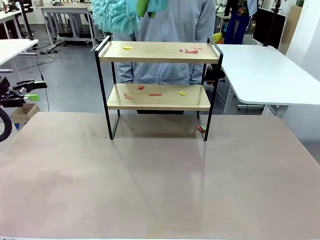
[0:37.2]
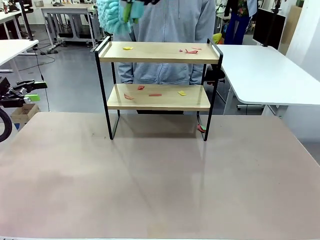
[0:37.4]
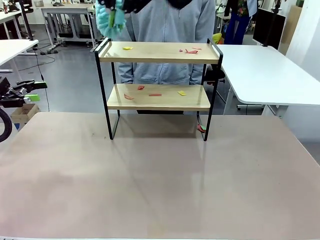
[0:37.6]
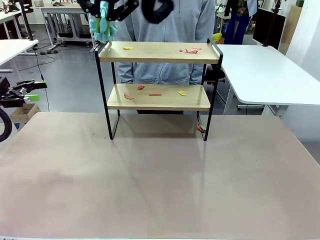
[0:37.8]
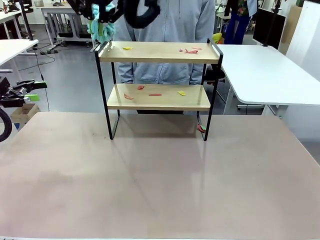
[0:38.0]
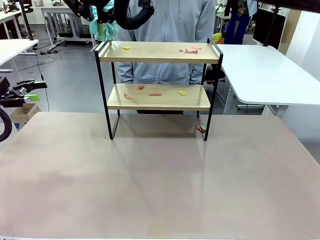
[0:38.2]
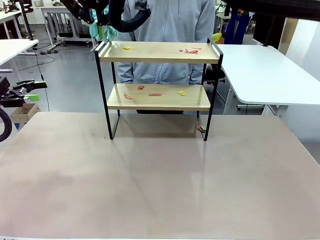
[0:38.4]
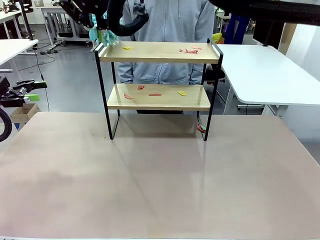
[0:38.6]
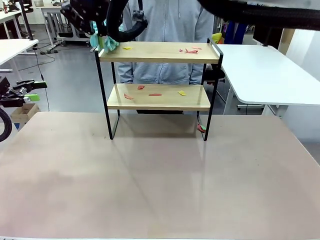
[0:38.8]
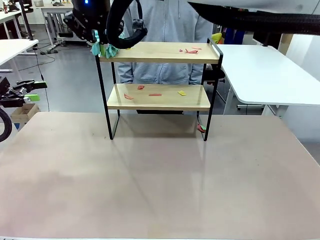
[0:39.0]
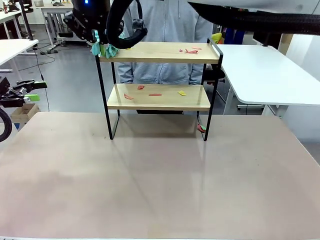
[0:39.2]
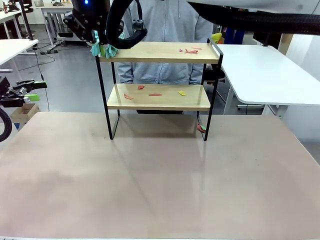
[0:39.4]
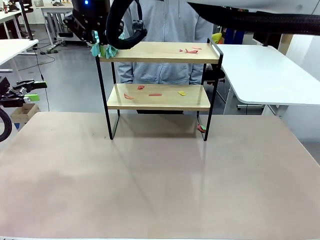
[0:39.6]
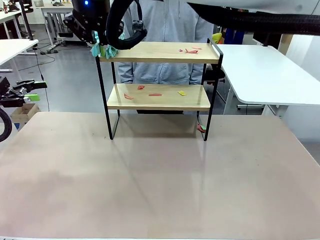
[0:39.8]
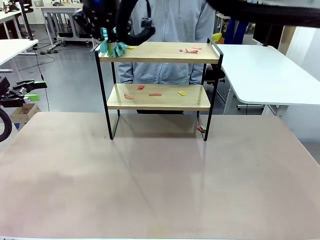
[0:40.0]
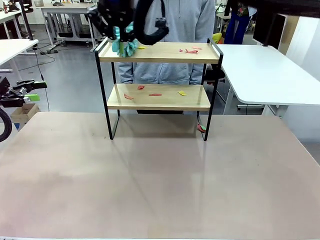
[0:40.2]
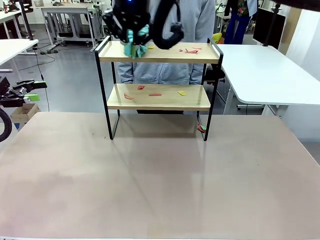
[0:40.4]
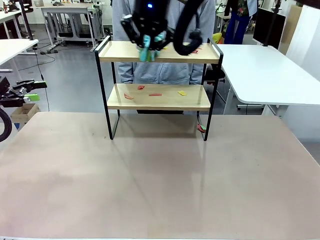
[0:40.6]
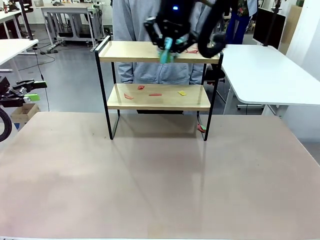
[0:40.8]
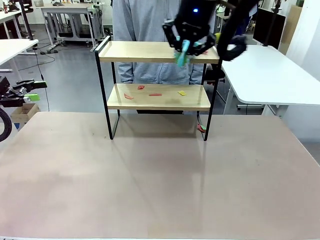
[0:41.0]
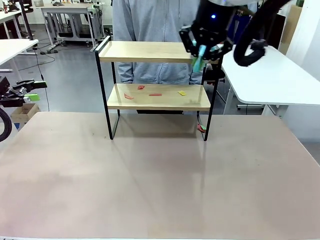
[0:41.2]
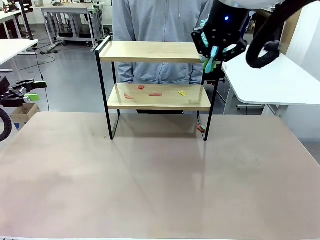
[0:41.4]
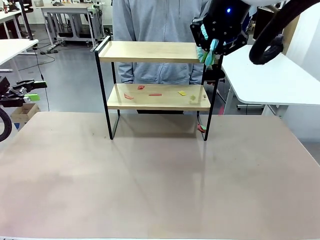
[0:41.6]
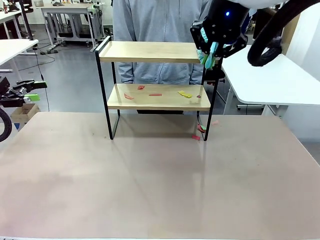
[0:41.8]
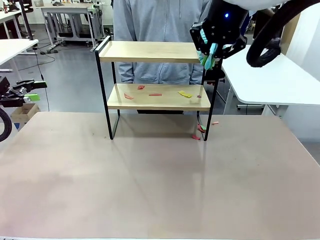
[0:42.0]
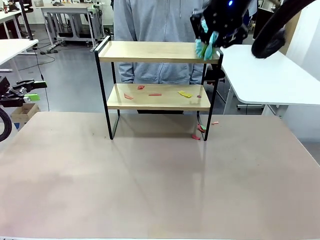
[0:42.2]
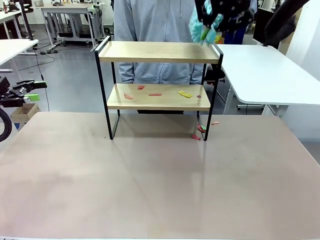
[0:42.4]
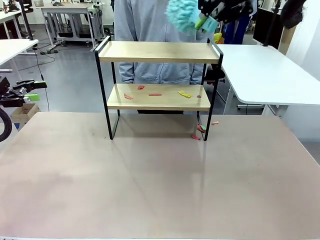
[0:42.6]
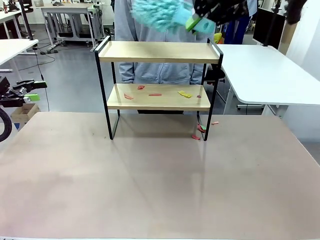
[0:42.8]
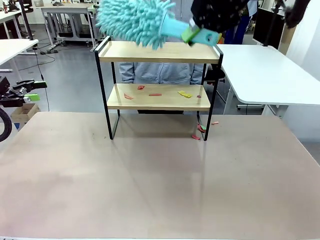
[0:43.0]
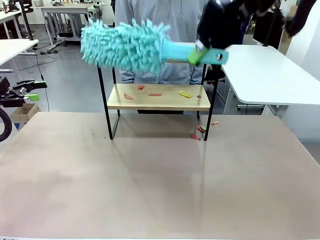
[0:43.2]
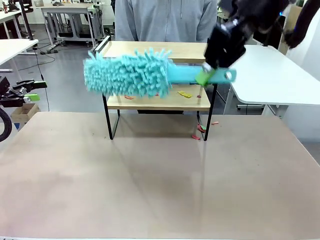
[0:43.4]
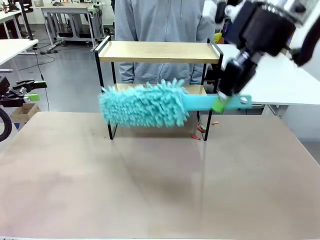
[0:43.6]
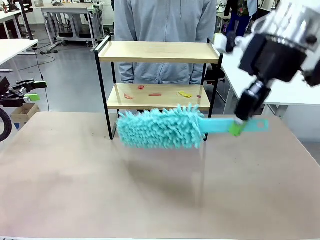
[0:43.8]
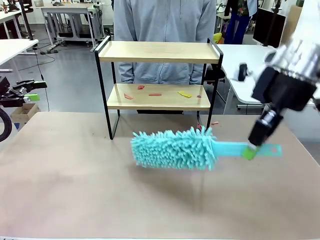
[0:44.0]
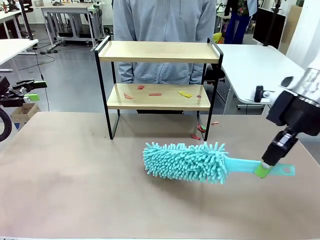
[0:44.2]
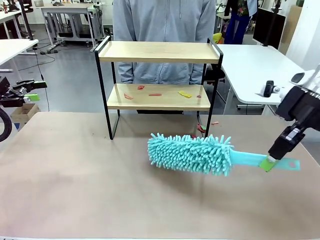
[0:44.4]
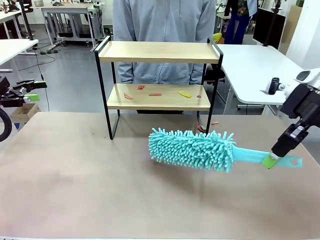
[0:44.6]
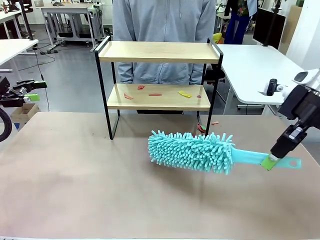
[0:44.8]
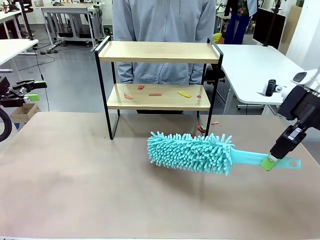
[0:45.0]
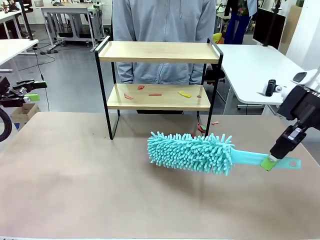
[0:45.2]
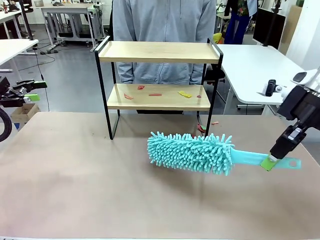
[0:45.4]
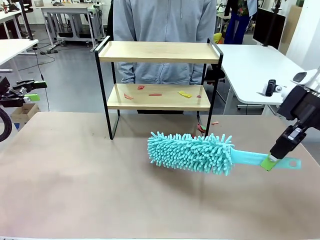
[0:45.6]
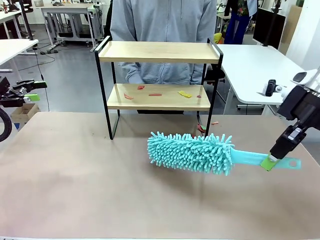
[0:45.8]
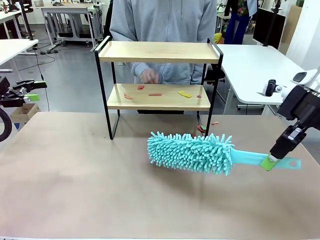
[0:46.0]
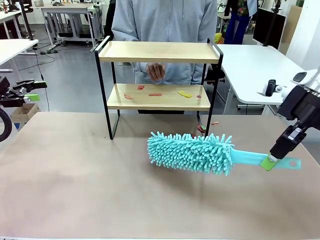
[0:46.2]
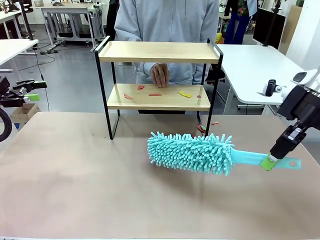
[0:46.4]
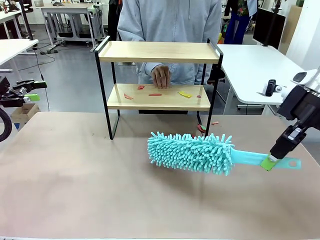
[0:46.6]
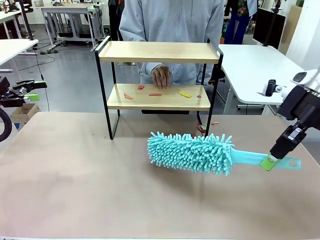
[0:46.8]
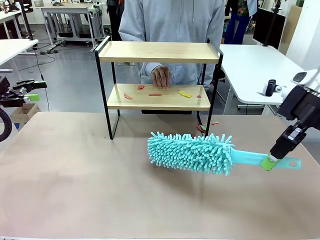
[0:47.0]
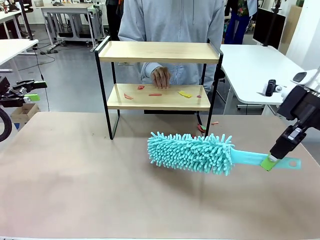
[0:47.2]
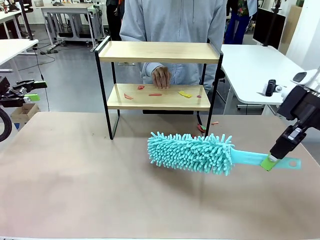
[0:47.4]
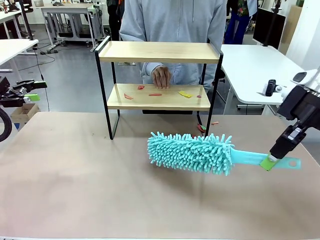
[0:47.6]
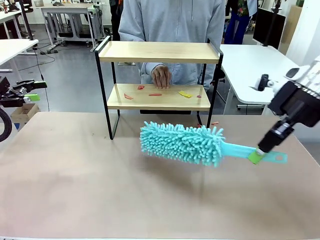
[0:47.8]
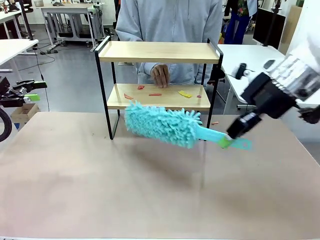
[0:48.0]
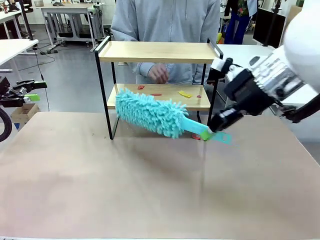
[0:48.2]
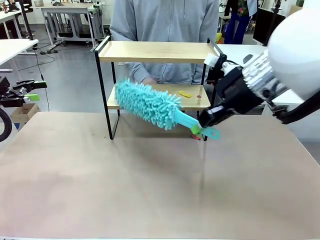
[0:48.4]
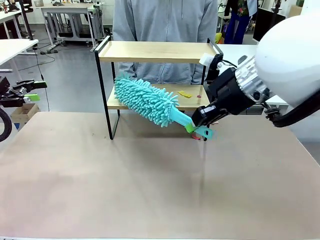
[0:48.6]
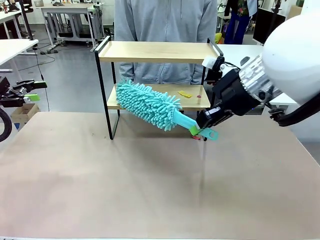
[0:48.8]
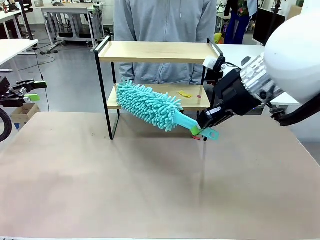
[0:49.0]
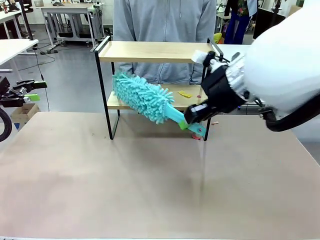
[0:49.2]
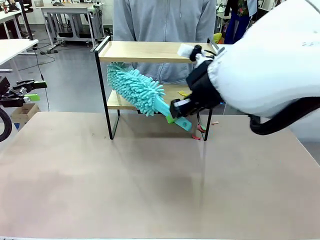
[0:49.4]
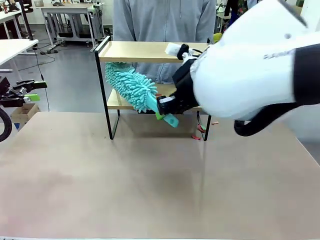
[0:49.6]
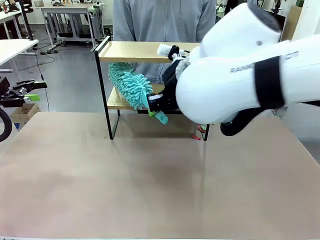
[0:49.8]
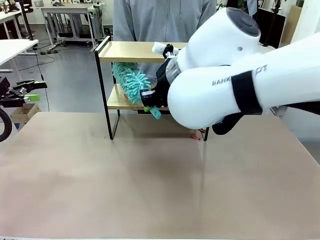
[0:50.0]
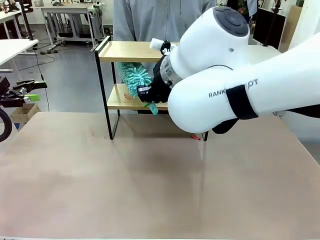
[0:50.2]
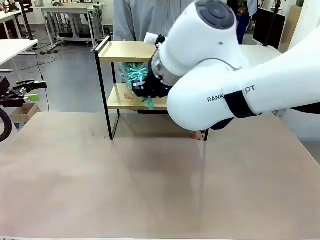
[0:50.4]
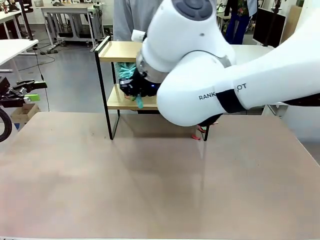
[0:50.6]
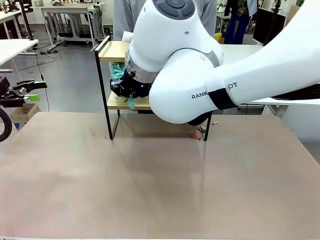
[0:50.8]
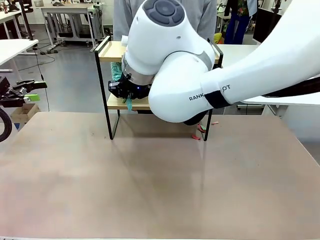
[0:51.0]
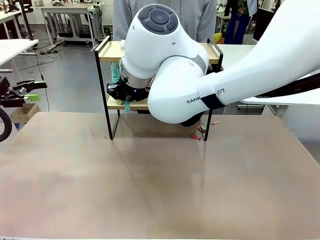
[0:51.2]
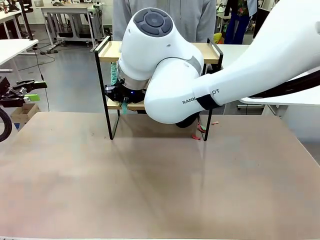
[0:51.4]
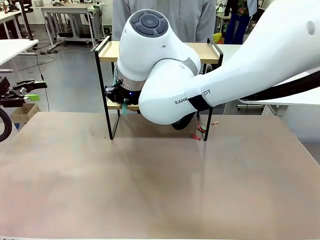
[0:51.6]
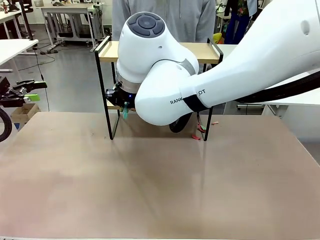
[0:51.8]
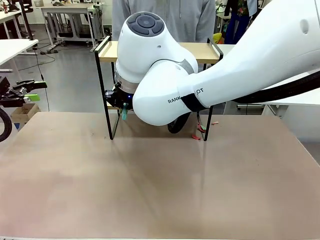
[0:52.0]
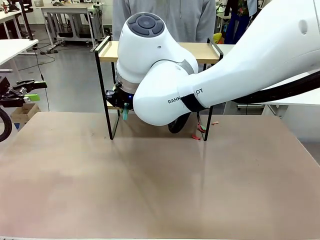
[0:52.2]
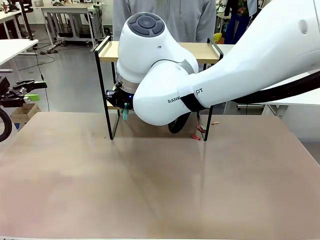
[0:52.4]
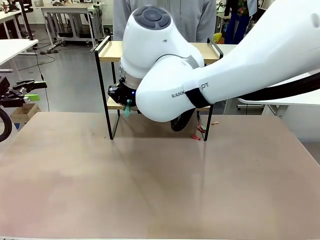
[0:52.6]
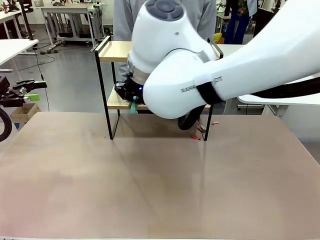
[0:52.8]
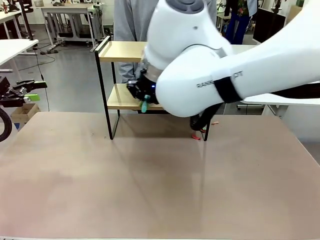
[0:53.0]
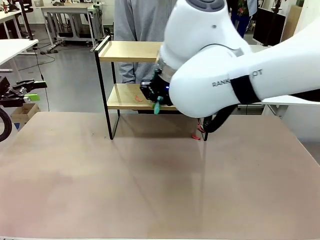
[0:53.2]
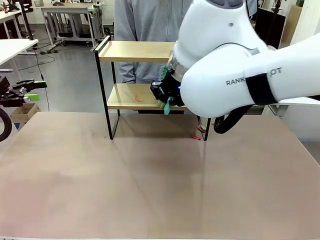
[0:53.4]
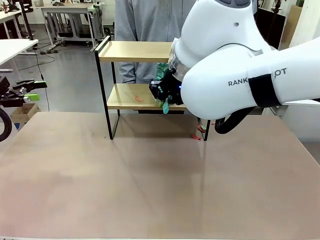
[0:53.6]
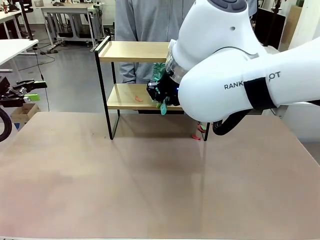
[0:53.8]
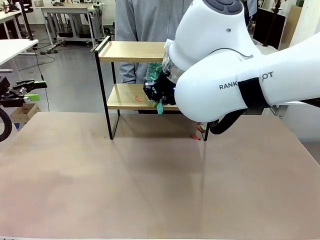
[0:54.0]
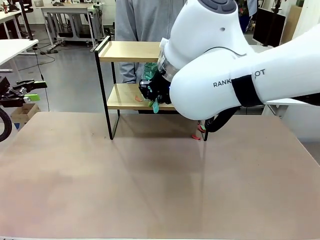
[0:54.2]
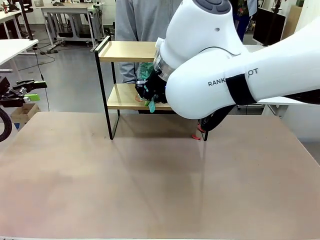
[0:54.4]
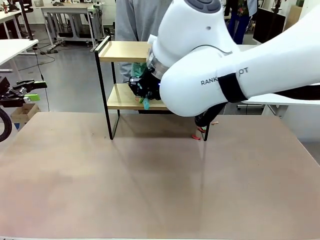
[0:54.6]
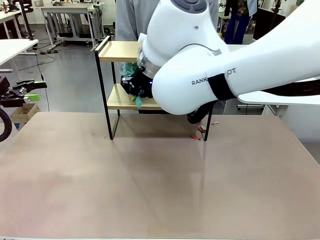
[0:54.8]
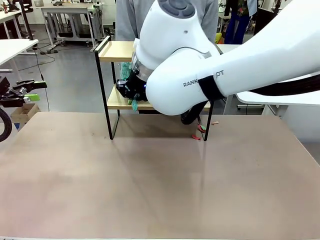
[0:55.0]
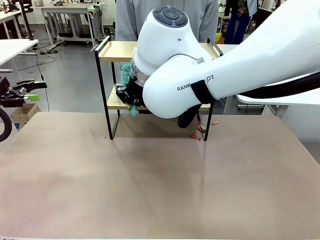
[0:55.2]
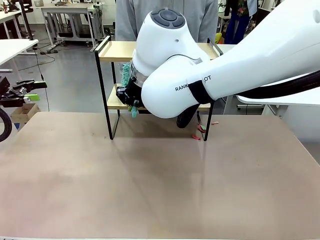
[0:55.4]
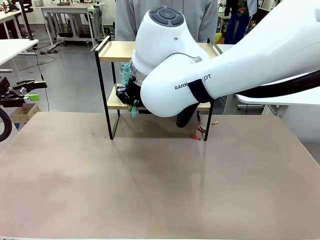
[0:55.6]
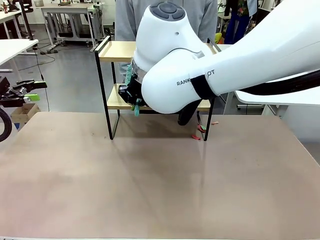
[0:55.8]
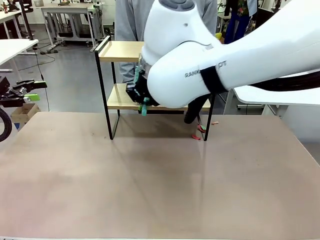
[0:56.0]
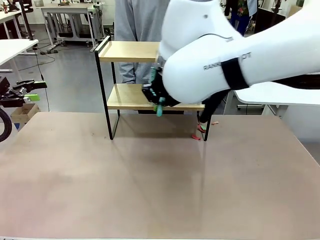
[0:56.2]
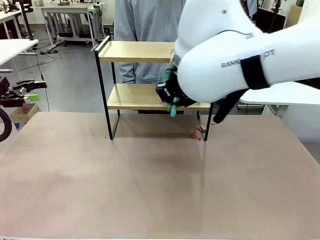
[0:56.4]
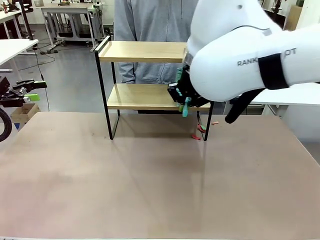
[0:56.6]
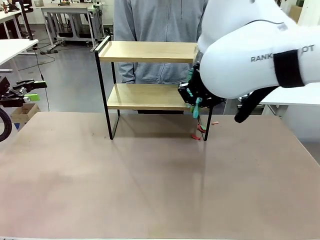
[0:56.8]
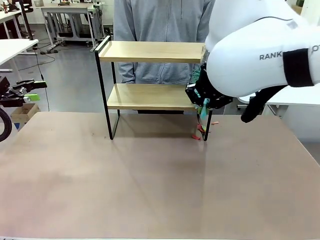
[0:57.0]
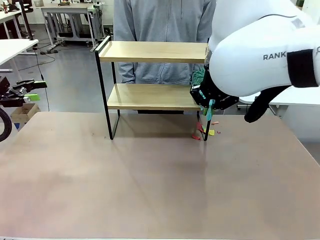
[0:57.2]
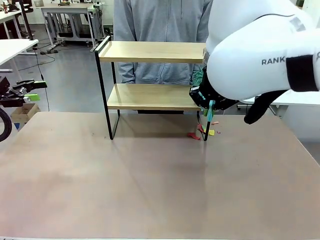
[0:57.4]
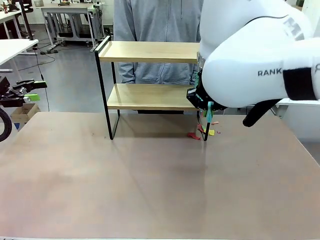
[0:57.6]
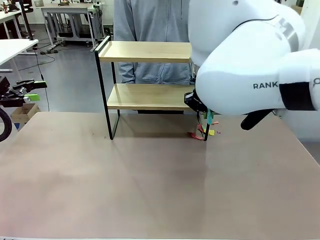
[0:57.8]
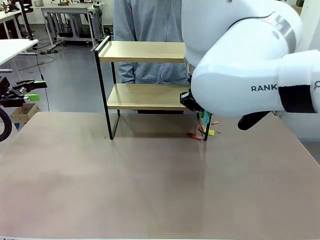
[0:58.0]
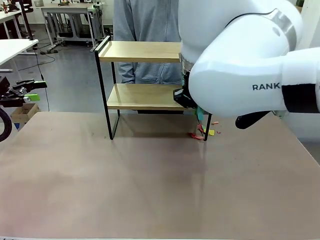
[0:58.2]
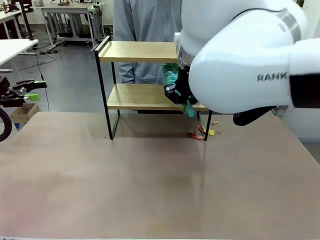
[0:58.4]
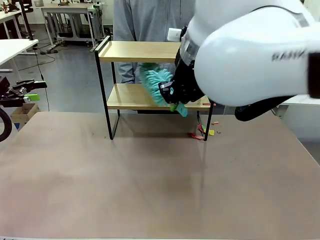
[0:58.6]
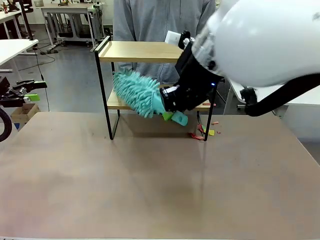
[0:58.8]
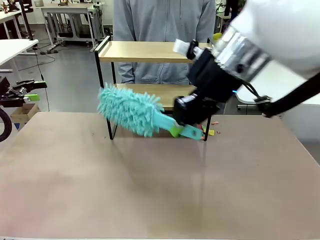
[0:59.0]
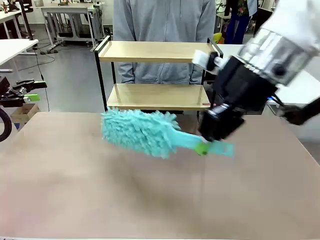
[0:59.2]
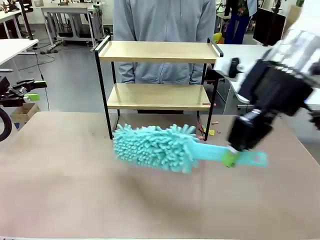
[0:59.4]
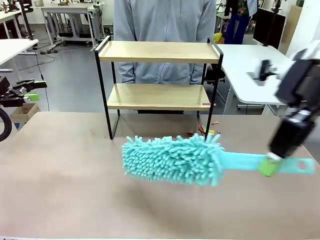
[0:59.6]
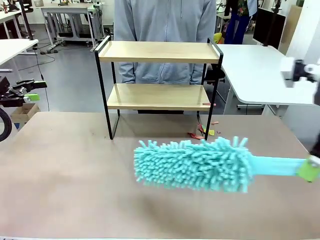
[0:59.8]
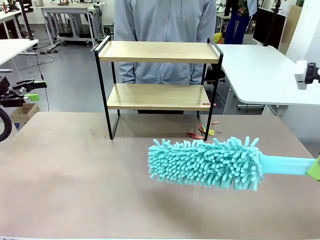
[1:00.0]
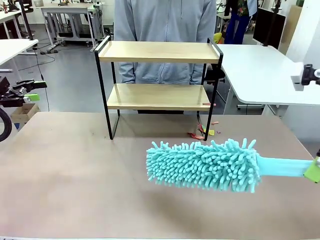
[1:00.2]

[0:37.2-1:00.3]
Task: Clean the shelf.
Robot: Clean the specific section of the Shelf indicated by the human with the Duster.
Person: Point a remaining section of the Shelf. Receive the Duster from the robot.
